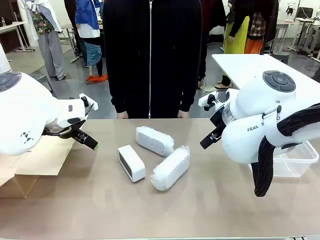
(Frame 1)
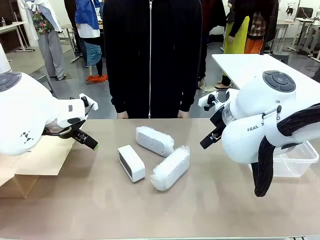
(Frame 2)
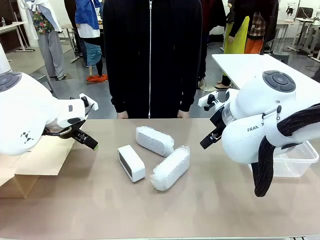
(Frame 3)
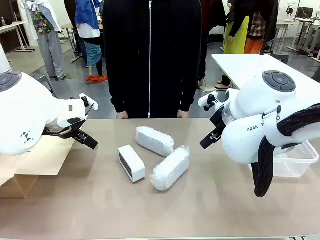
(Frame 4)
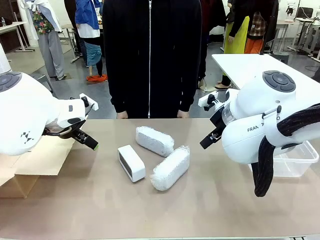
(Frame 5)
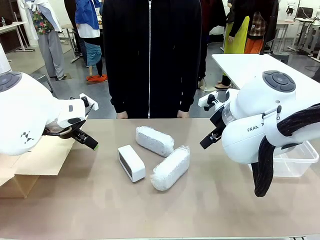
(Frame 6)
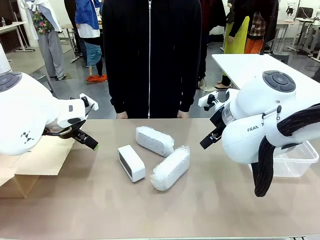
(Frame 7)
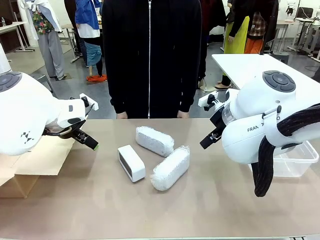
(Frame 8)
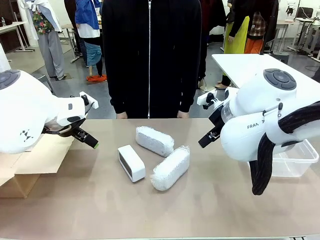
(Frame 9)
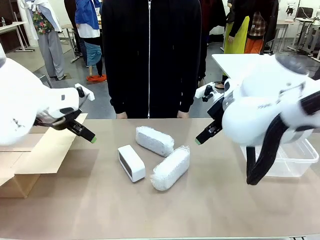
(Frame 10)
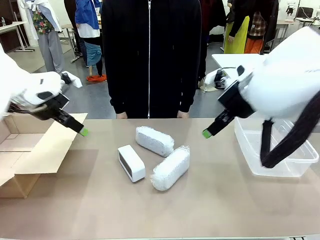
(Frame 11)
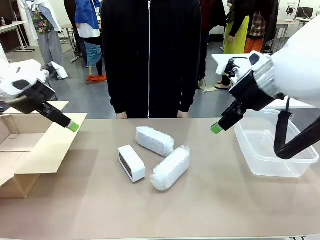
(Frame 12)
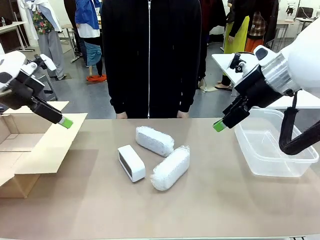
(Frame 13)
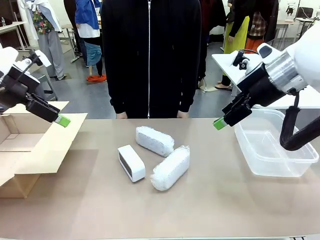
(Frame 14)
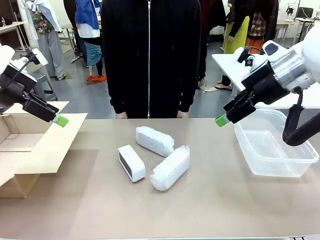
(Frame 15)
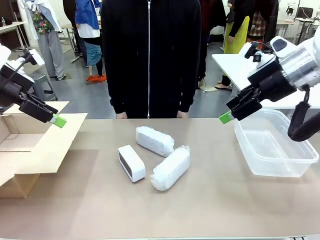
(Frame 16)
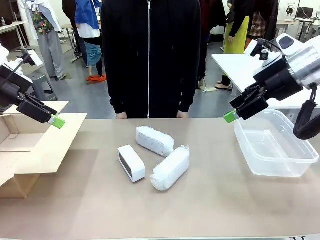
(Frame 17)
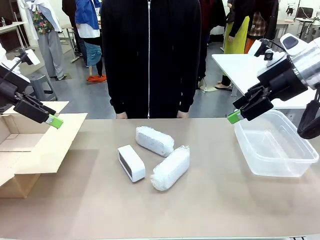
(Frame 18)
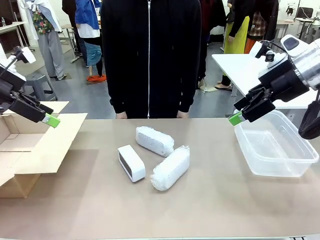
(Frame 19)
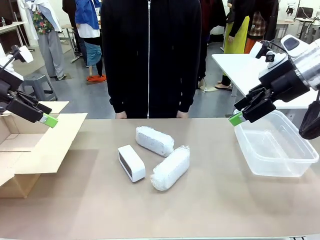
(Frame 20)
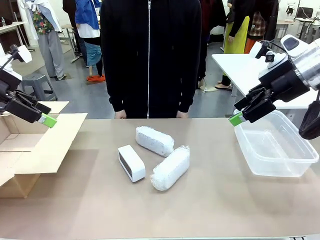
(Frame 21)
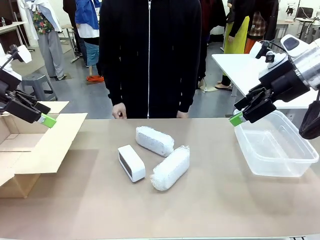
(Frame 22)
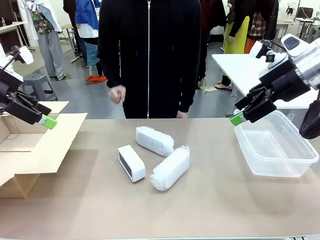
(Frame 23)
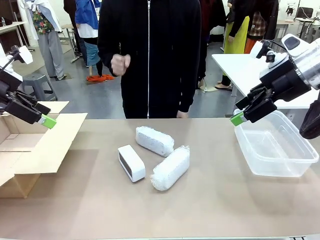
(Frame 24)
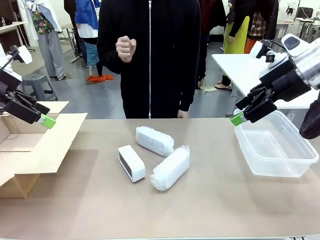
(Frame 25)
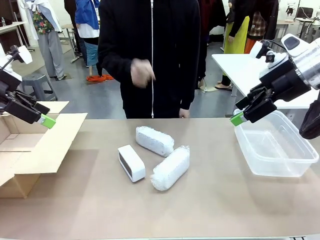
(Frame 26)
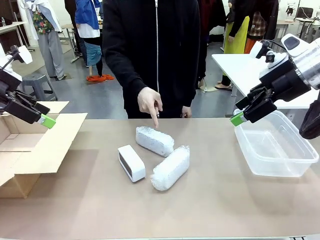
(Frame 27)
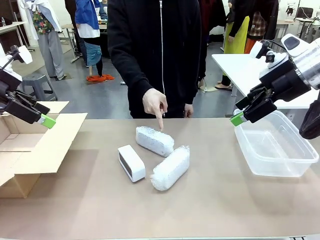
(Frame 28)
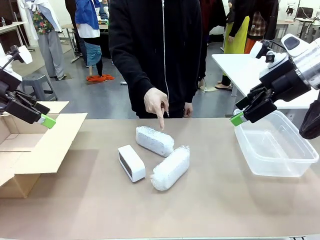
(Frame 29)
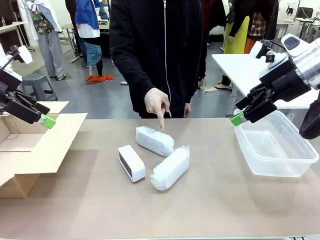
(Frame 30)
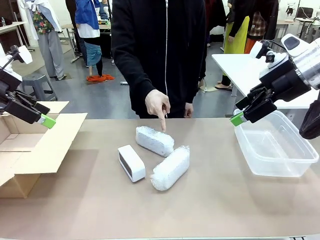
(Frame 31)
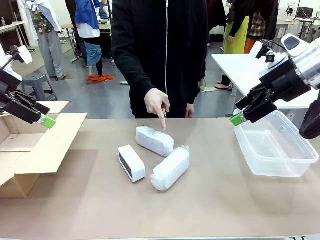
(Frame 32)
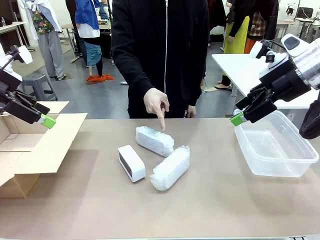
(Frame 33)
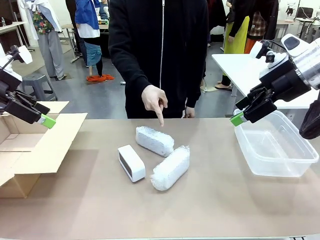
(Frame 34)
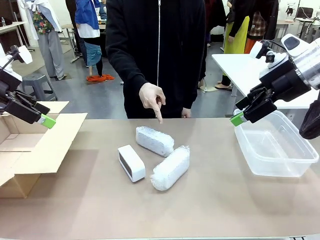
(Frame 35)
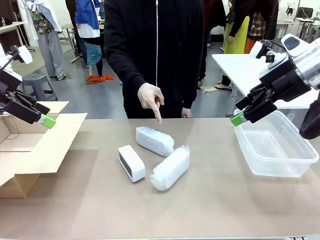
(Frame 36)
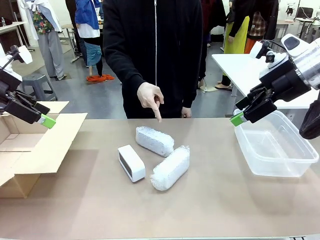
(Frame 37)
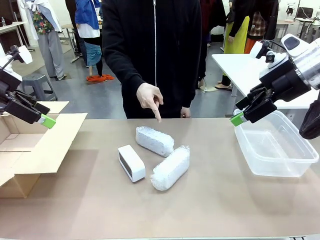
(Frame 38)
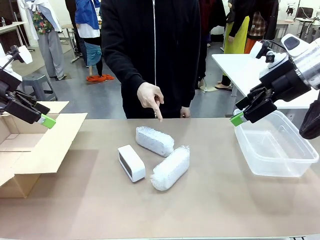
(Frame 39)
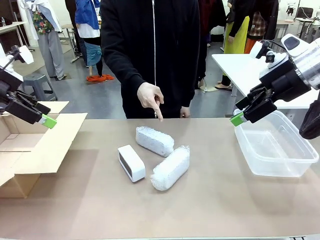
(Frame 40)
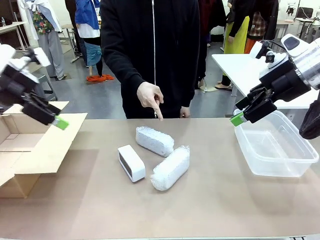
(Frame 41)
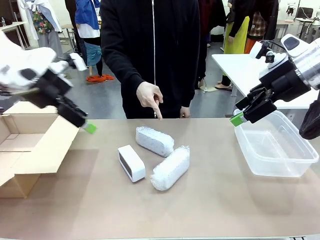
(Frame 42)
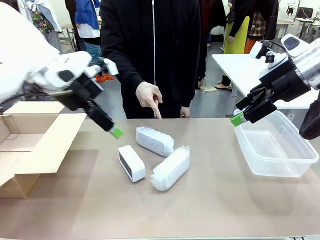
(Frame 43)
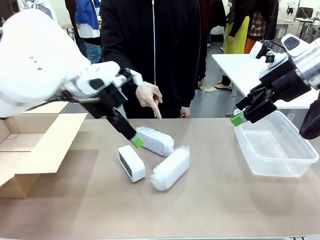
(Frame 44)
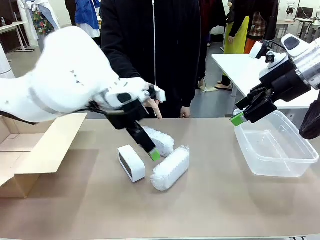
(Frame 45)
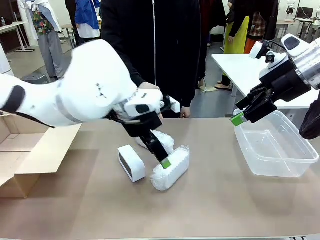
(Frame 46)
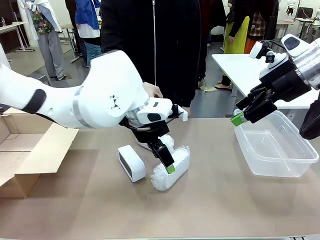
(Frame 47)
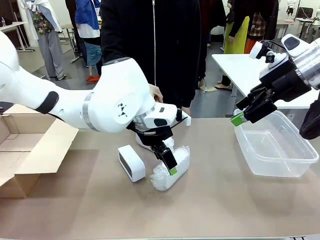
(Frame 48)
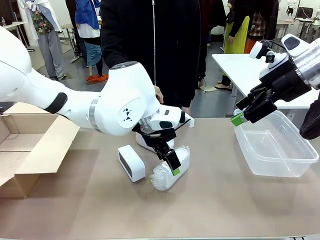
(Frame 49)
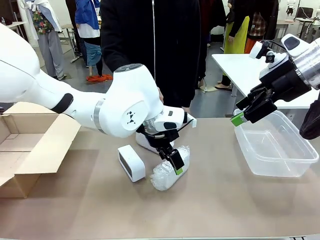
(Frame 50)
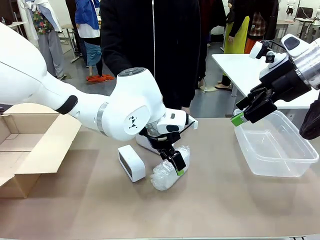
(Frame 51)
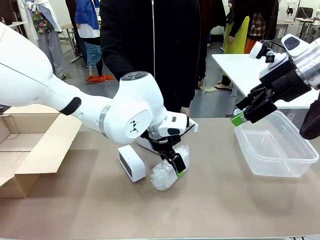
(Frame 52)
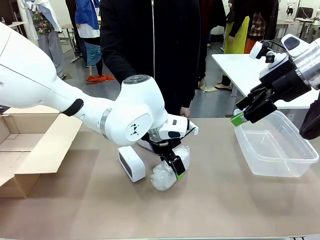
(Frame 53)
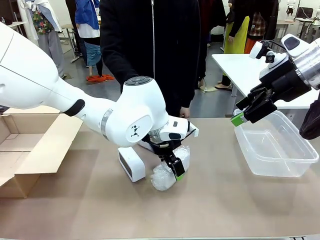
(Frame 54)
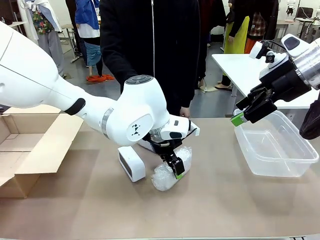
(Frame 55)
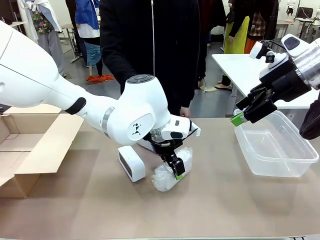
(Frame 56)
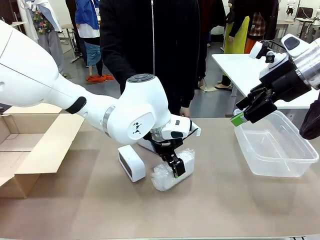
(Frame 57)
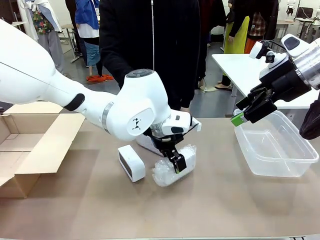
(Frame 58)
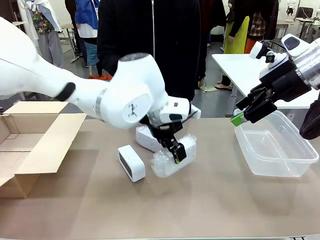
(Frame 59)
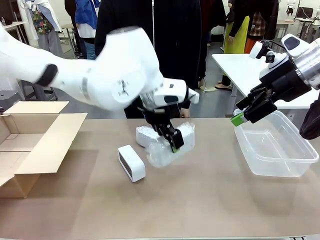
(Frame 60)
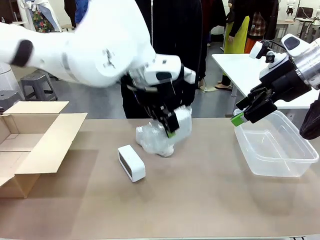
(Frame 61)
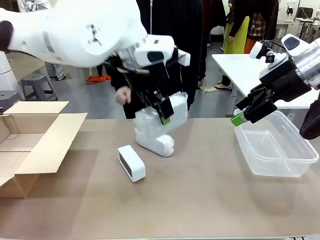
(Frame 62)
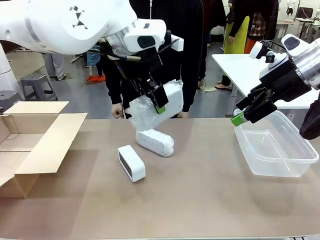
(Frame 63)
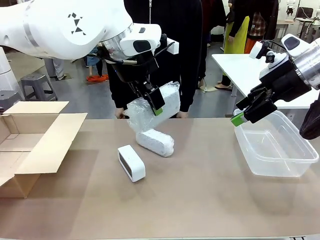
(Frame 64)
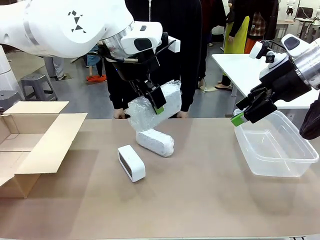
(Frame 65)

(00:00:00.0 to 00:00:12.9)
Task: Separate and place wrapped and unwrapped clocks.
Robot: Pick up the Digital clock indicated by the person.

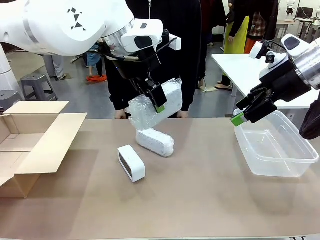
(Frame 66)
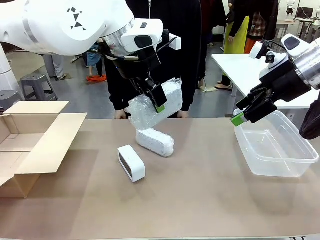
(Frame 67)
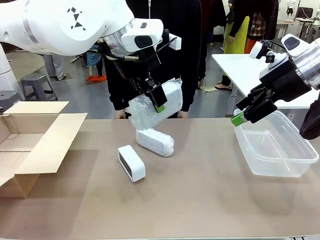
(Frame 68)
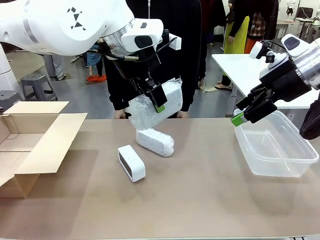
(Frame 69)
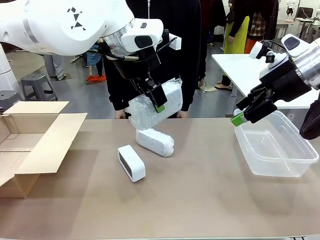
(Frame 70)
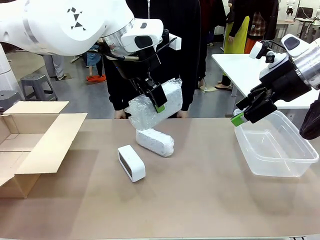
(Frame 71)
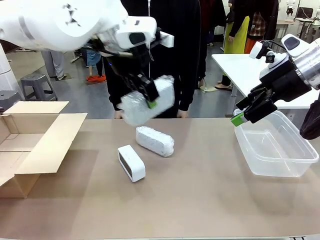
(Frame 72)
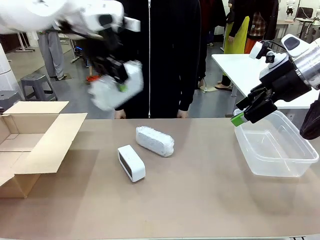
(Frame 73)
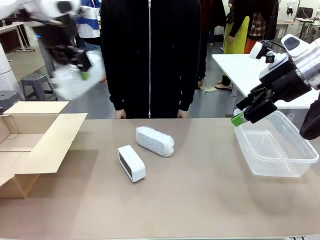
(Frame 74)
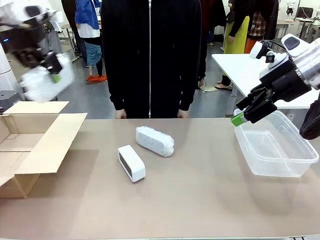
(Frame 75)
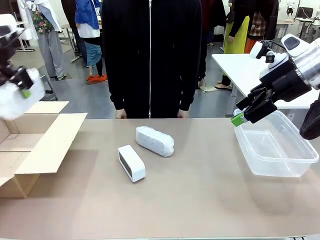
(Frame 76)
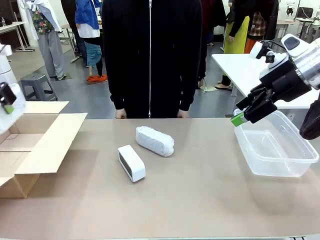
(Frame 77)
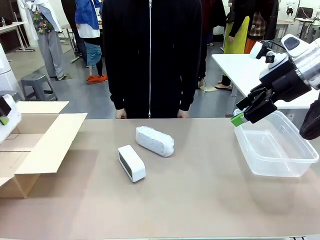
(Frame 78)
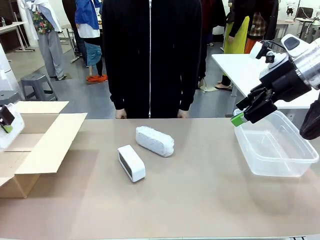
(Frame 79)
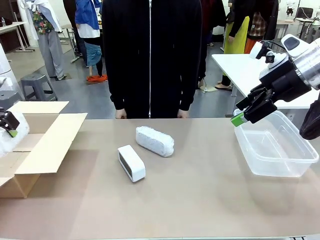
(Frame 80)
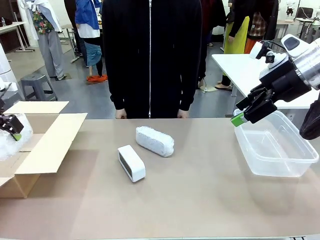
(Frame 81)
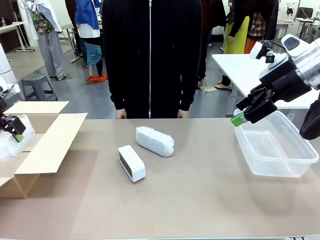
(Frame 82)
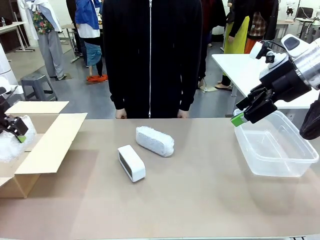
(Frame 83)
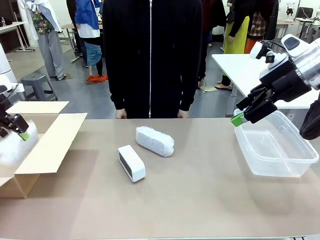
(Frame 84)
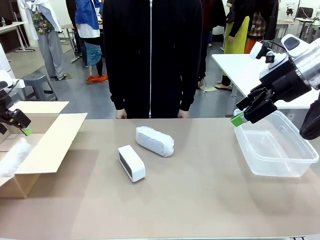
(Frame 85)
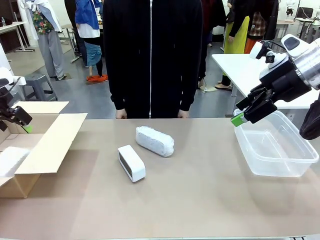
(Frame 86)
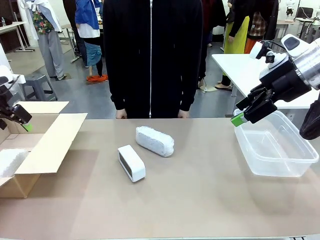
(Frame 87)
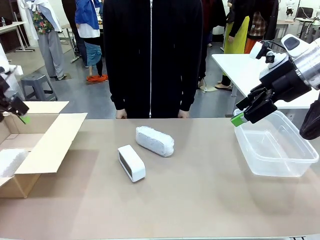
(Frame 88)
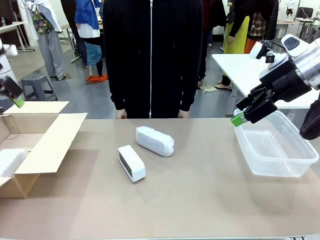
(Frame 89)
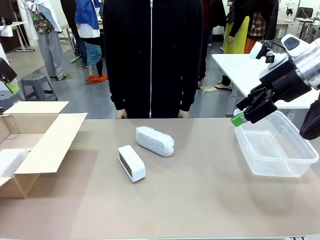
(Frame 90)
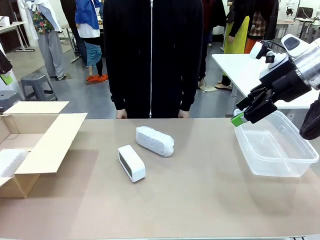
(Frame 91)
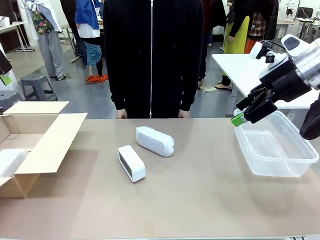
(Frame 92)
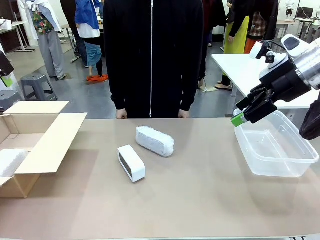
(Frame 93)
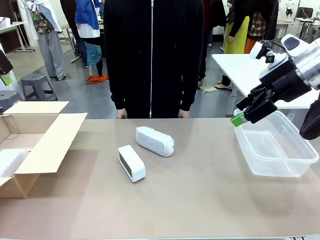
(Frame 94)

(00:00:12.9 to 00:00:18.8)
Robot: If the picked Digital clock is wrapped, place it in the Package Box ; if not, place it in the Organizing box.
